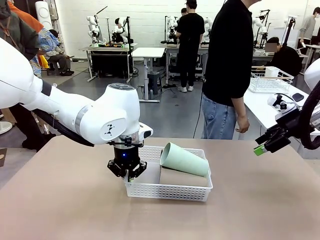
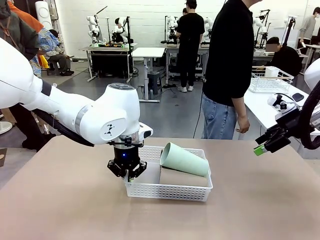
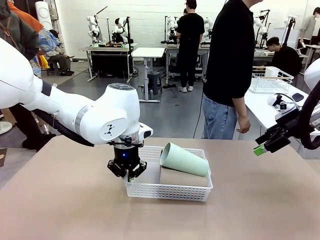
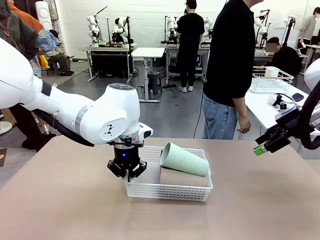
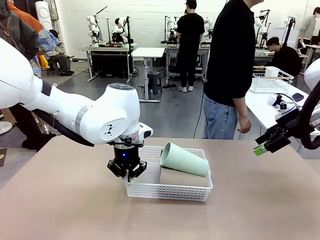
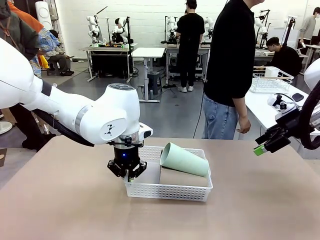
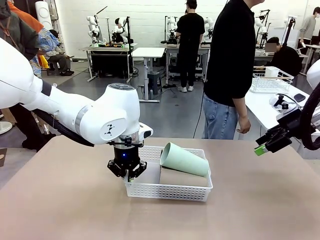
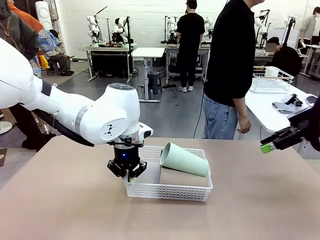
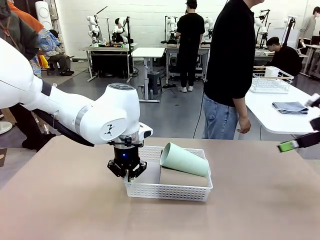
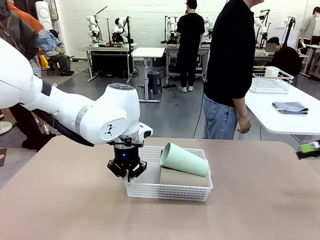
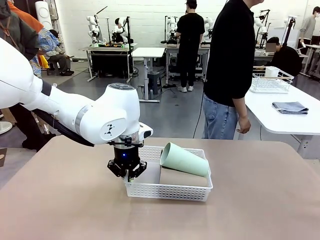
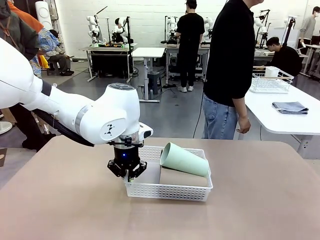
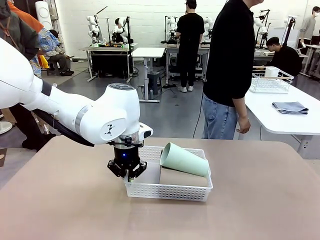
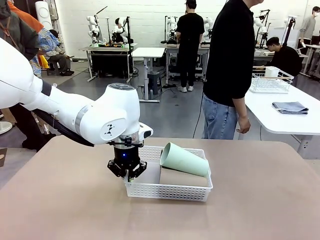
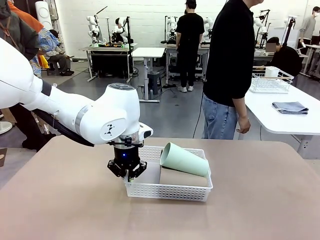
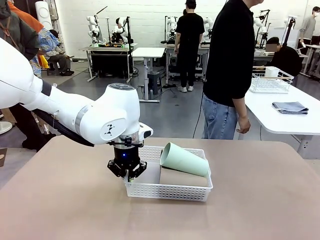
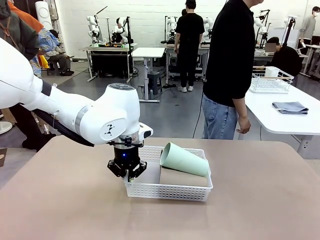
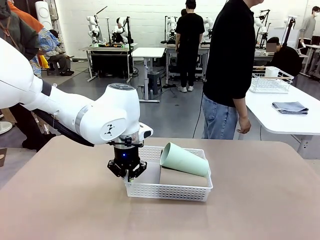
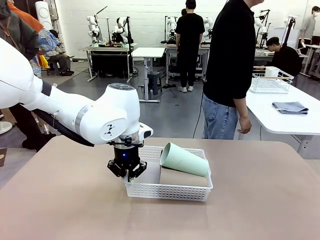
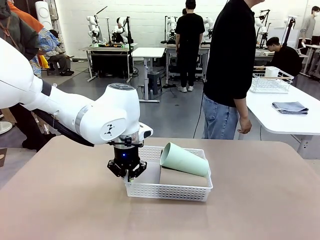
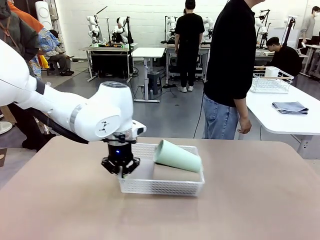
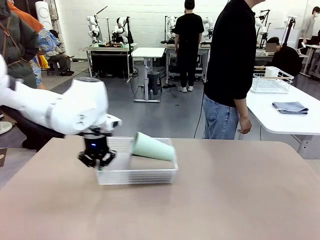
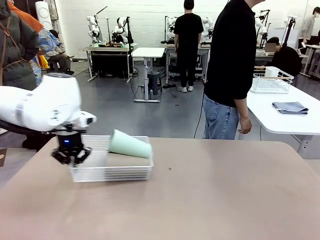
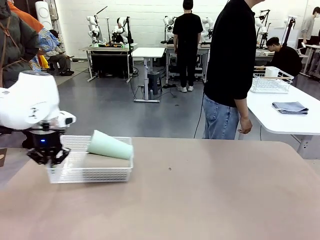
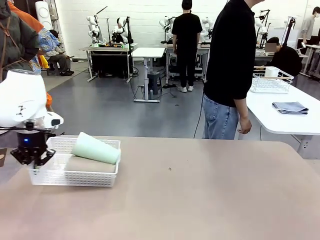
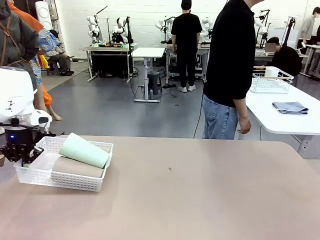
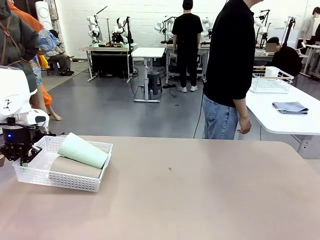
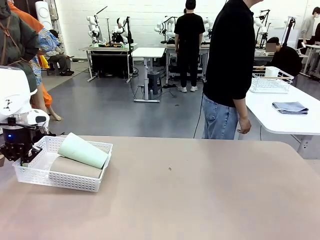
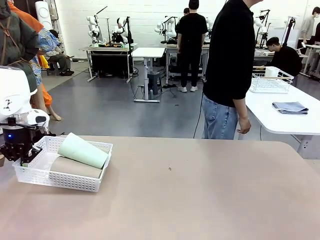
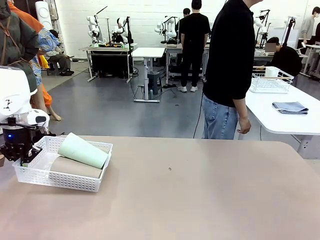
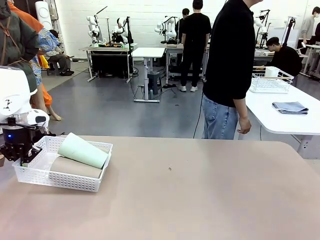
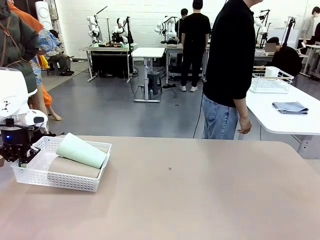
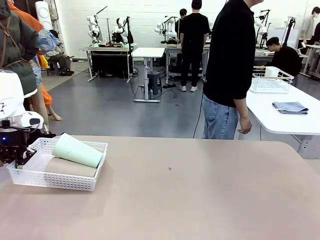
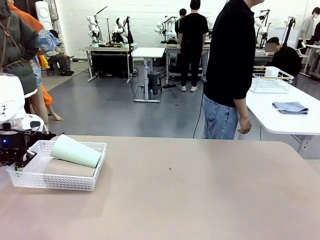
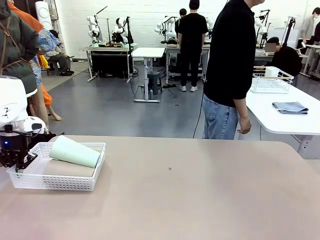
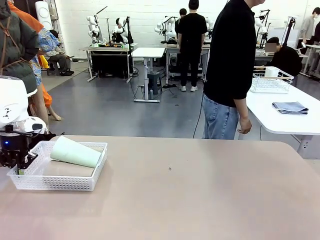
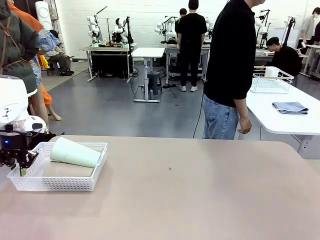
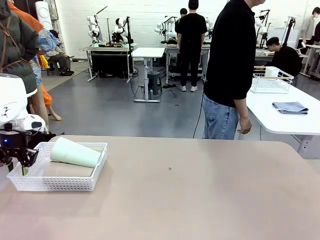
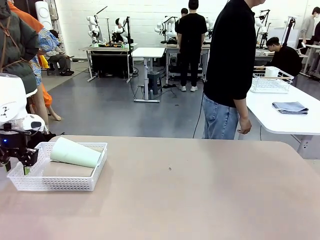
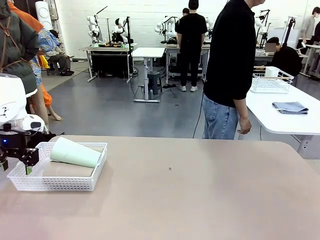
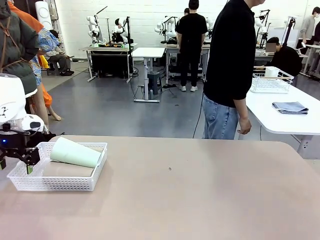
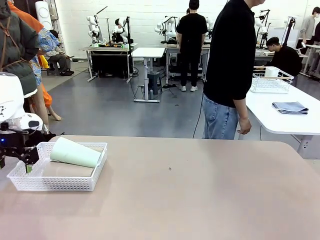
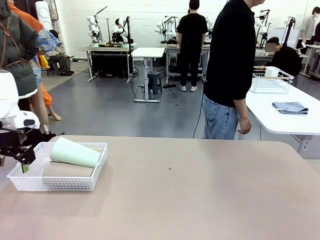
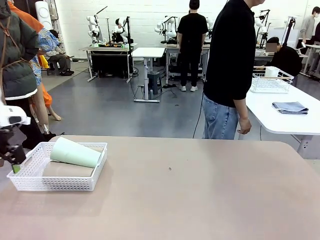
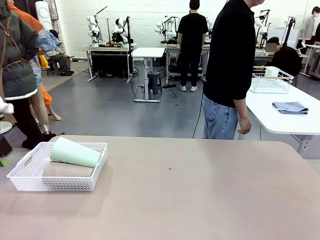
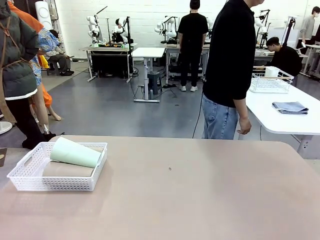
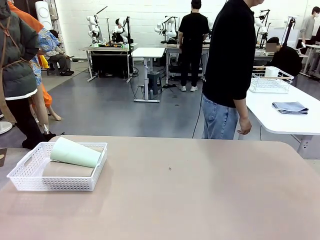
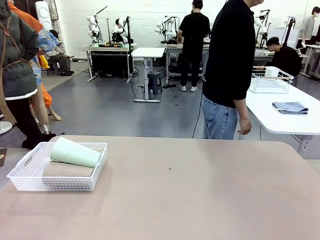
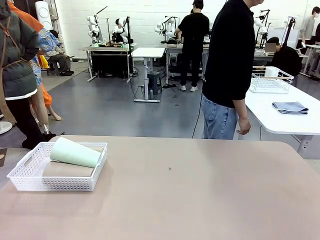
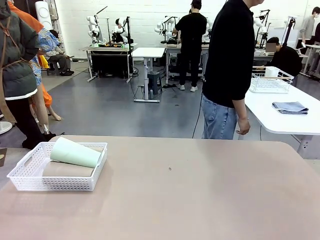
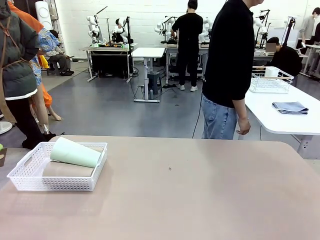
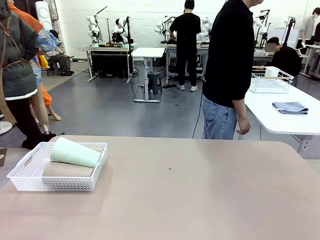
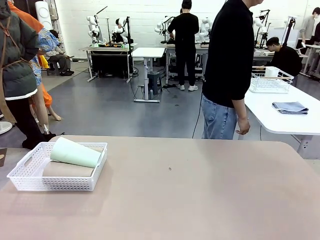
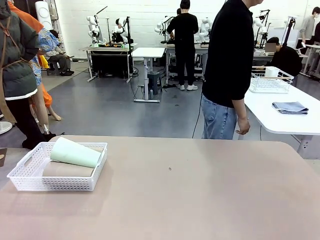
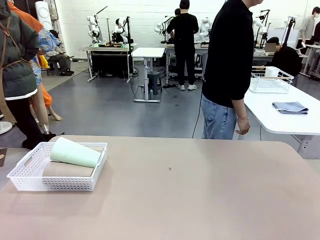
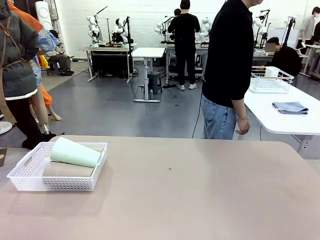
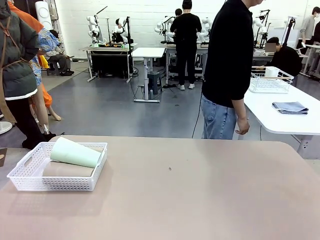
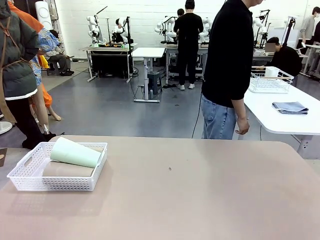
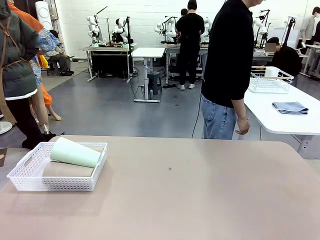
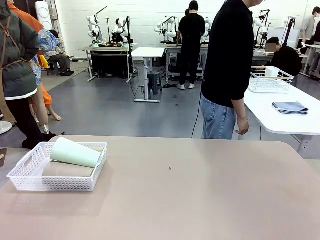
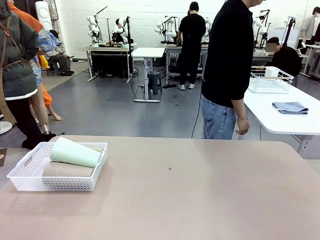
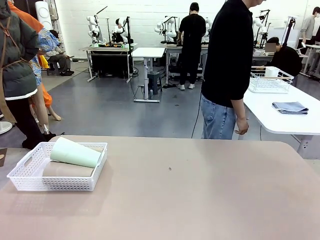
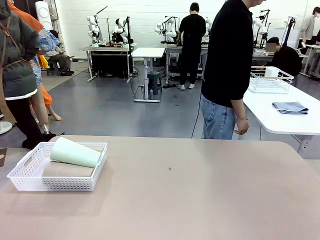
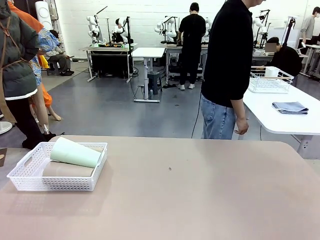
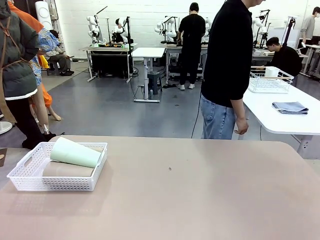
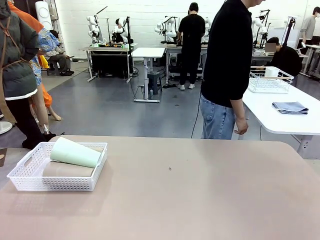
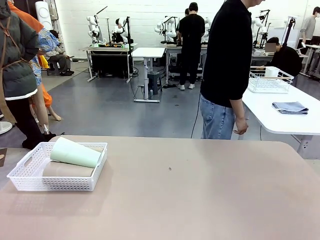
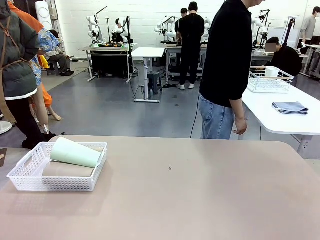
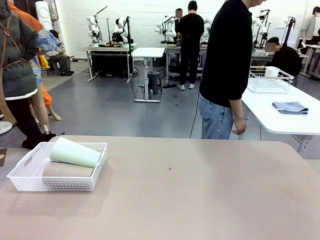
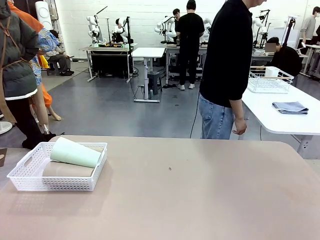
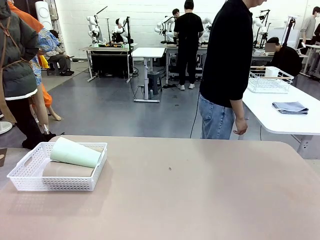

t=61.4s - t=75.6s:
Task: Clean and organize the cups into the basket.
Robot: Move the Organizing basket back to the left side of the table.
